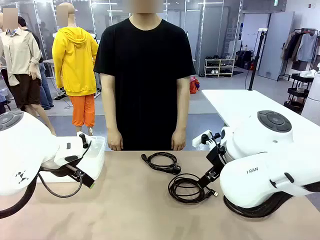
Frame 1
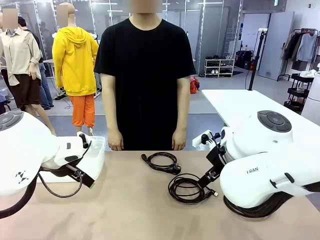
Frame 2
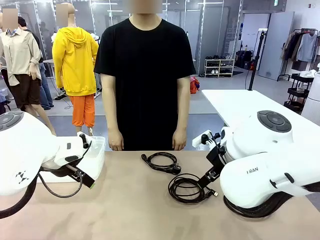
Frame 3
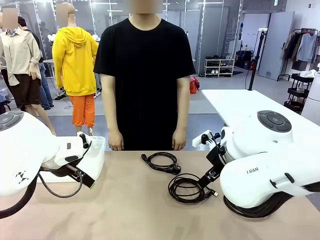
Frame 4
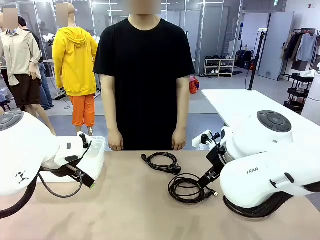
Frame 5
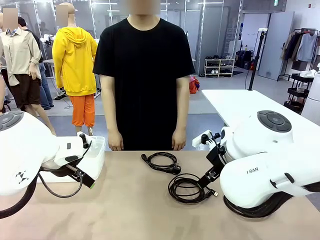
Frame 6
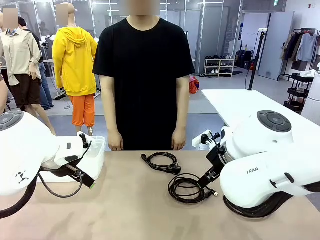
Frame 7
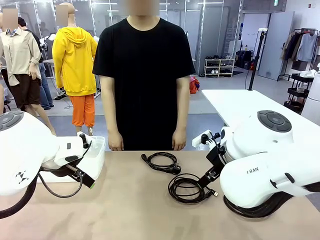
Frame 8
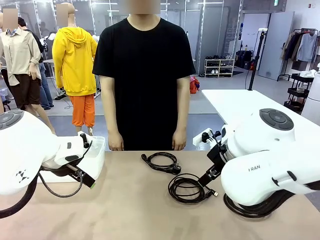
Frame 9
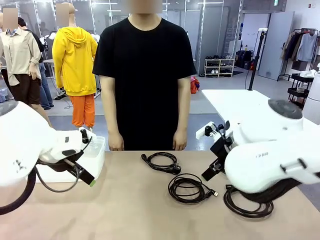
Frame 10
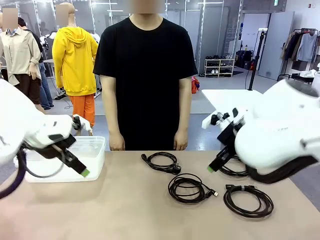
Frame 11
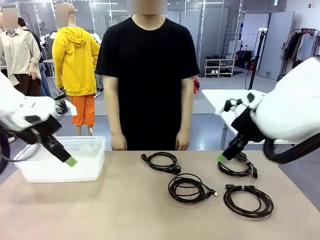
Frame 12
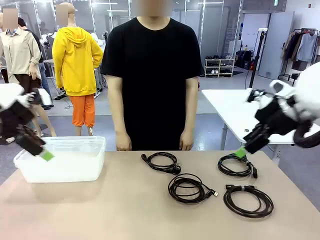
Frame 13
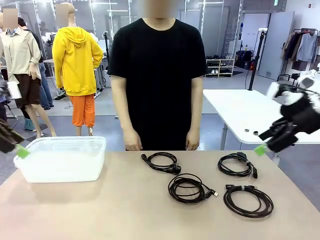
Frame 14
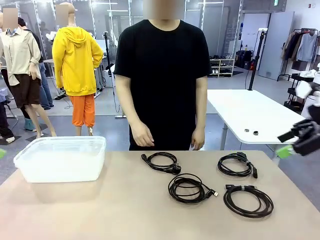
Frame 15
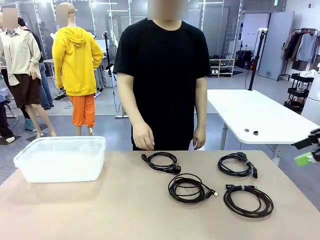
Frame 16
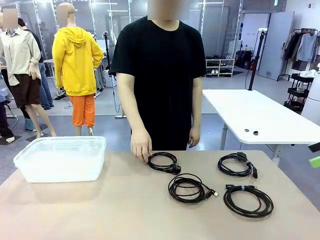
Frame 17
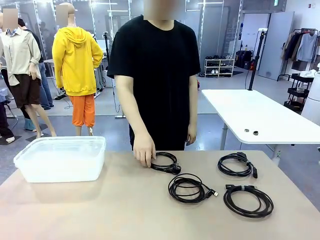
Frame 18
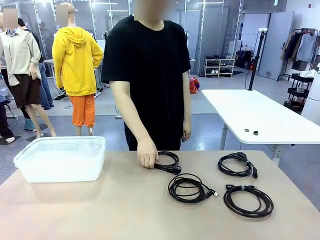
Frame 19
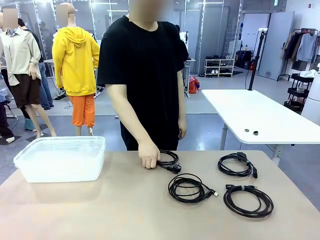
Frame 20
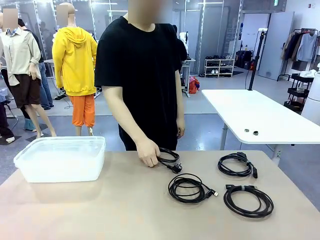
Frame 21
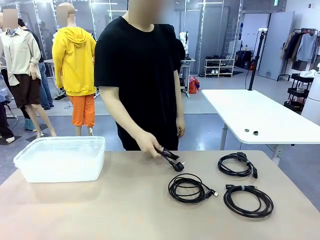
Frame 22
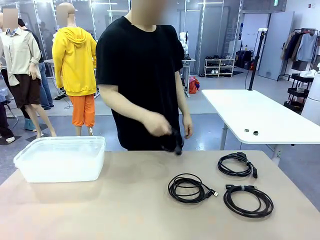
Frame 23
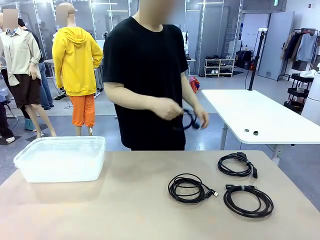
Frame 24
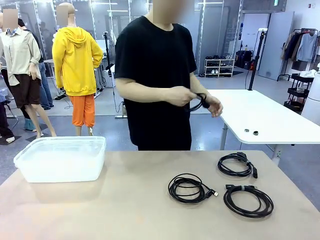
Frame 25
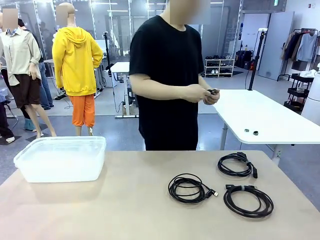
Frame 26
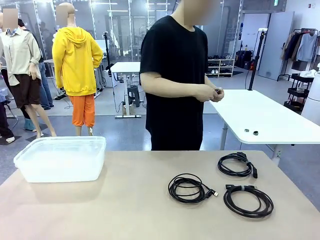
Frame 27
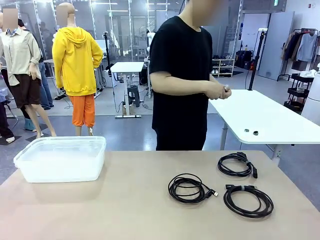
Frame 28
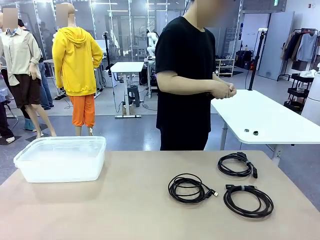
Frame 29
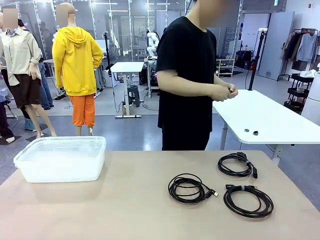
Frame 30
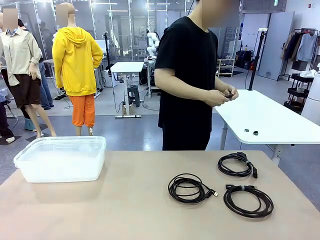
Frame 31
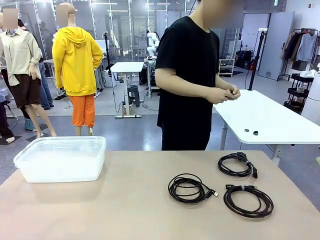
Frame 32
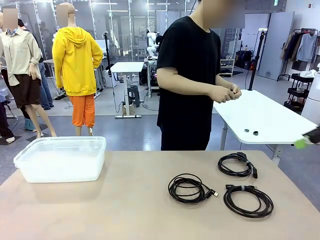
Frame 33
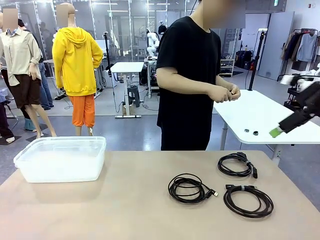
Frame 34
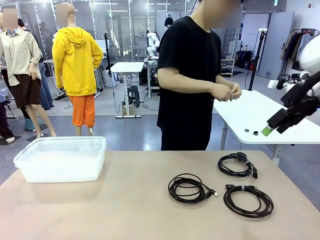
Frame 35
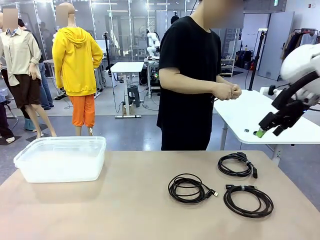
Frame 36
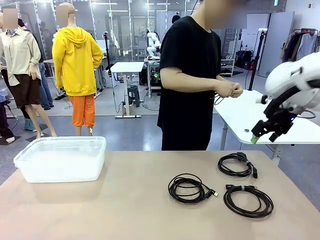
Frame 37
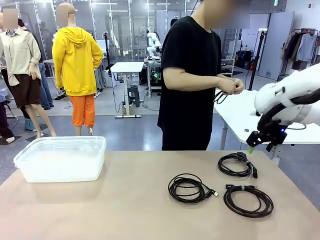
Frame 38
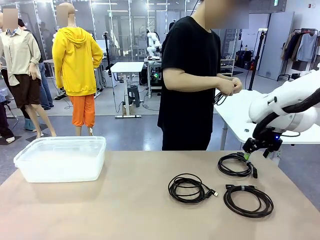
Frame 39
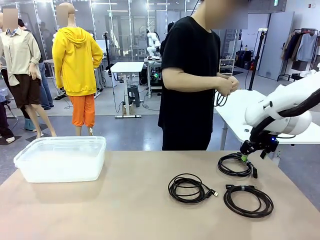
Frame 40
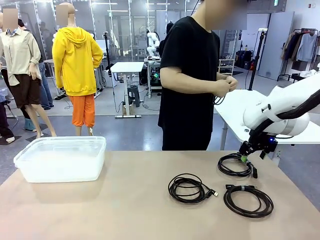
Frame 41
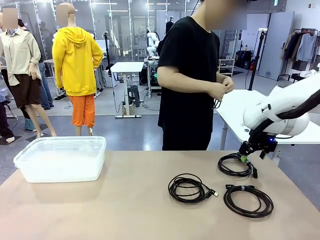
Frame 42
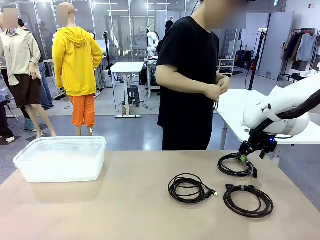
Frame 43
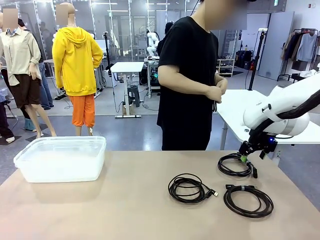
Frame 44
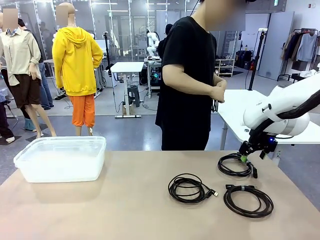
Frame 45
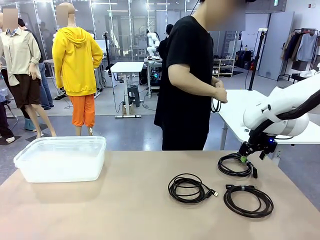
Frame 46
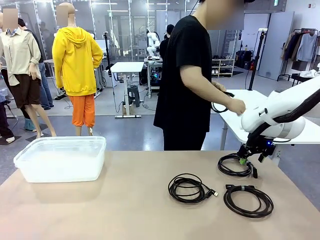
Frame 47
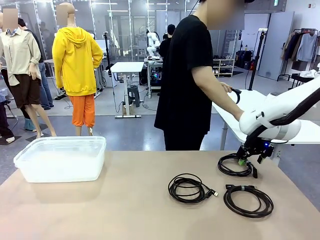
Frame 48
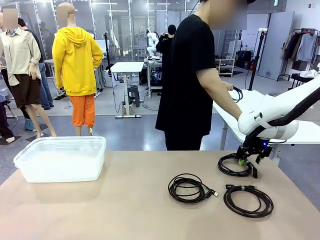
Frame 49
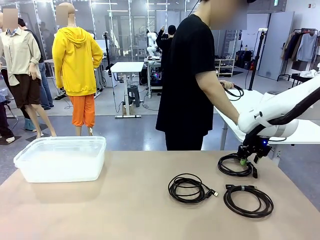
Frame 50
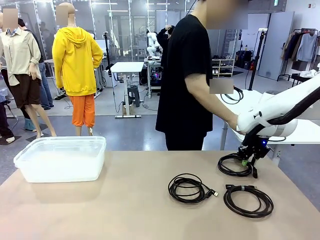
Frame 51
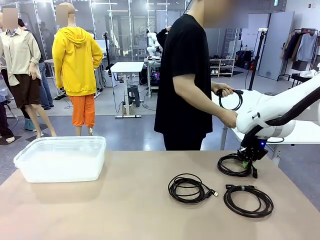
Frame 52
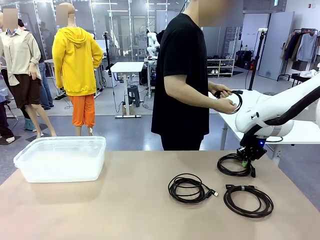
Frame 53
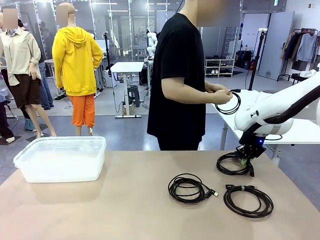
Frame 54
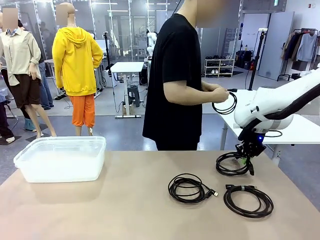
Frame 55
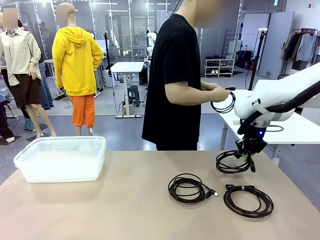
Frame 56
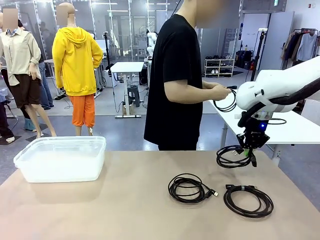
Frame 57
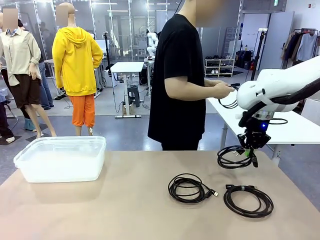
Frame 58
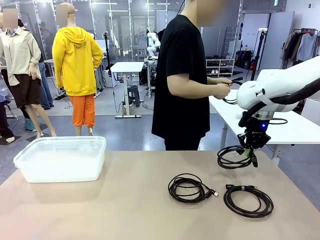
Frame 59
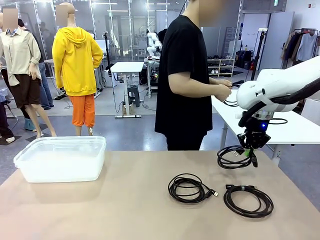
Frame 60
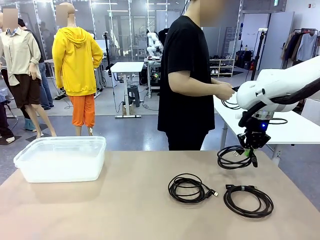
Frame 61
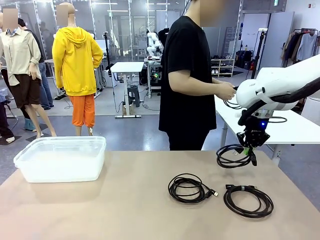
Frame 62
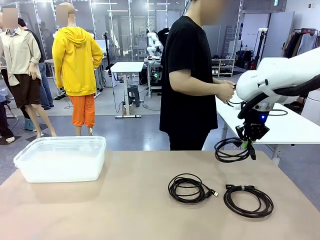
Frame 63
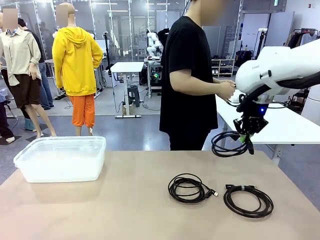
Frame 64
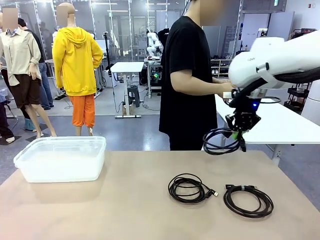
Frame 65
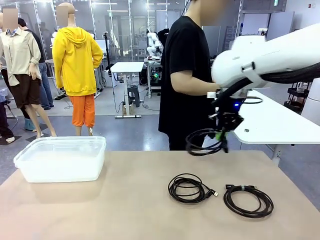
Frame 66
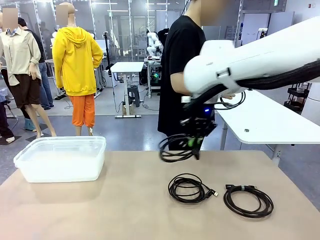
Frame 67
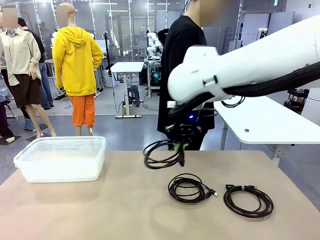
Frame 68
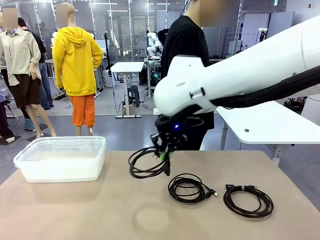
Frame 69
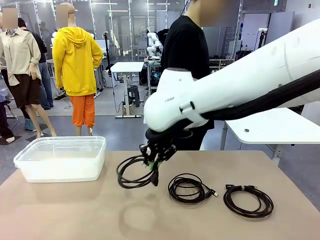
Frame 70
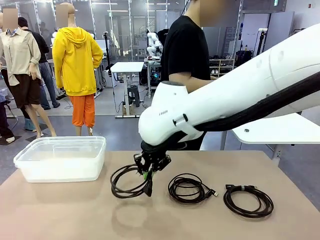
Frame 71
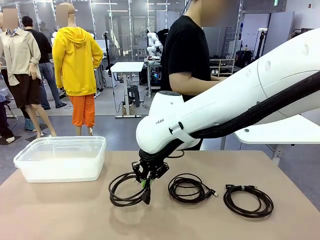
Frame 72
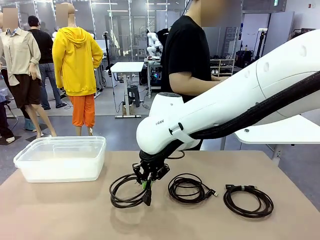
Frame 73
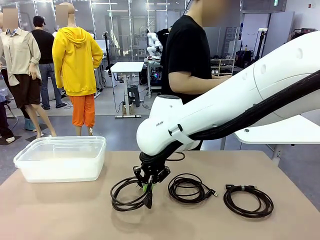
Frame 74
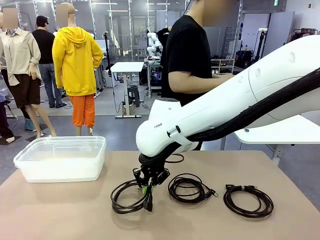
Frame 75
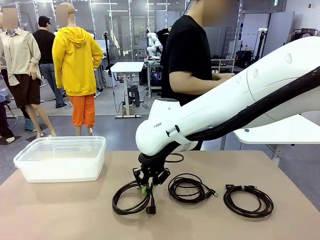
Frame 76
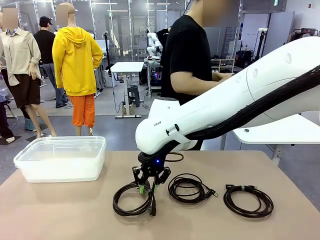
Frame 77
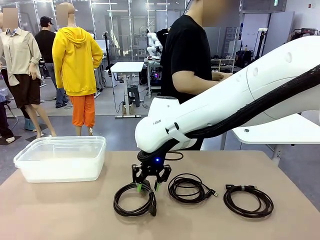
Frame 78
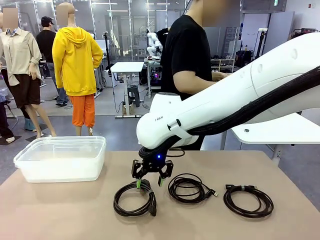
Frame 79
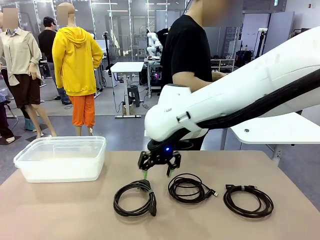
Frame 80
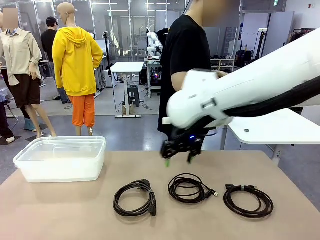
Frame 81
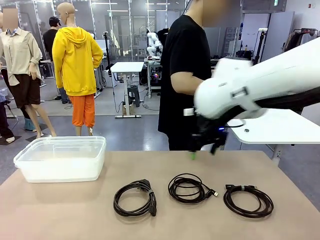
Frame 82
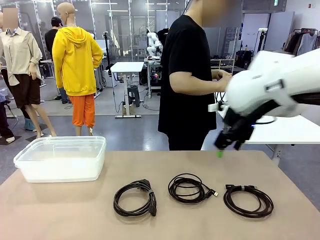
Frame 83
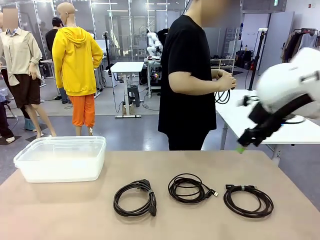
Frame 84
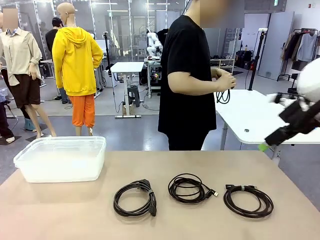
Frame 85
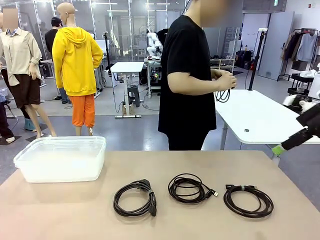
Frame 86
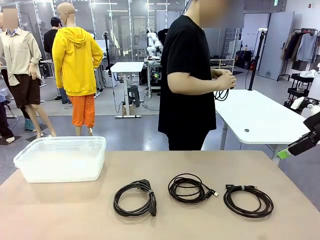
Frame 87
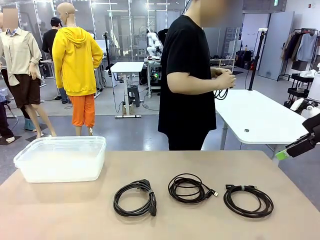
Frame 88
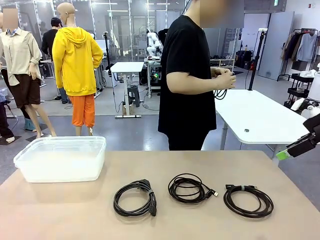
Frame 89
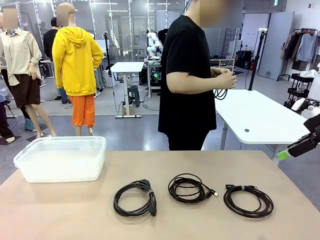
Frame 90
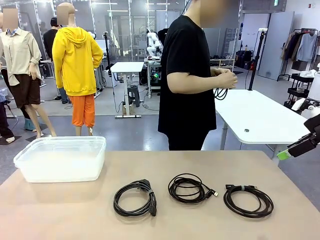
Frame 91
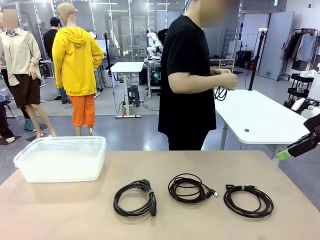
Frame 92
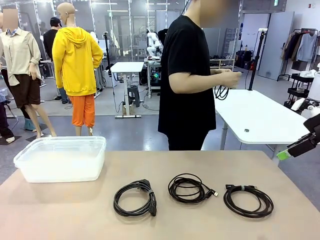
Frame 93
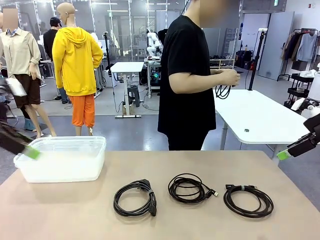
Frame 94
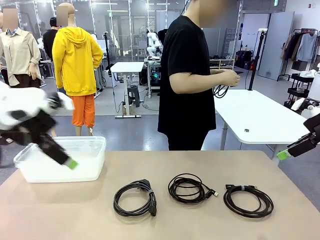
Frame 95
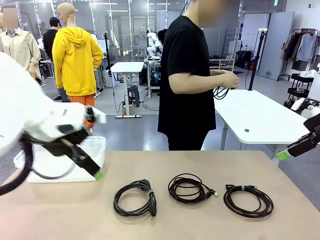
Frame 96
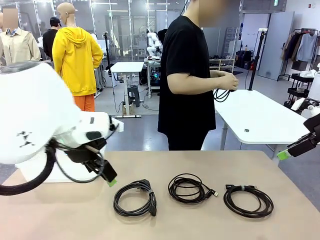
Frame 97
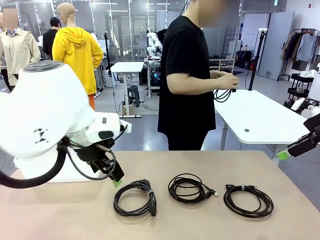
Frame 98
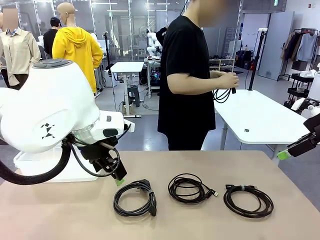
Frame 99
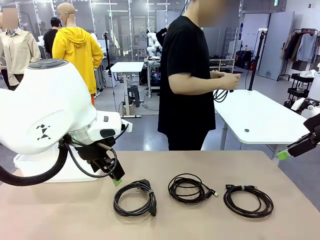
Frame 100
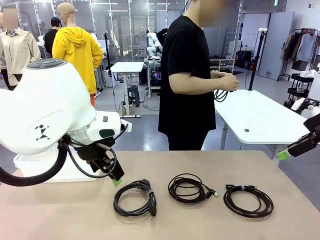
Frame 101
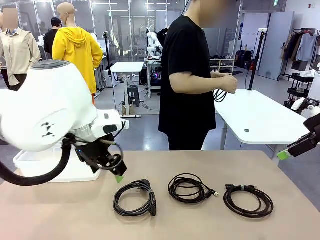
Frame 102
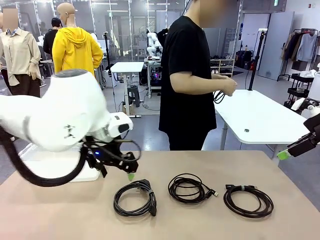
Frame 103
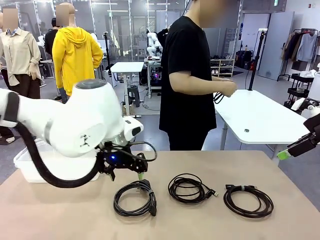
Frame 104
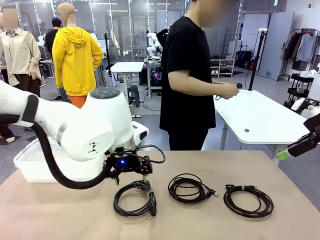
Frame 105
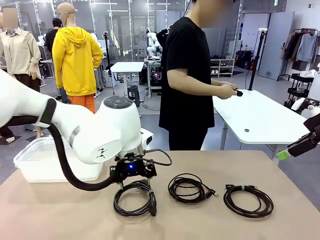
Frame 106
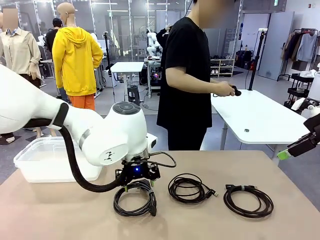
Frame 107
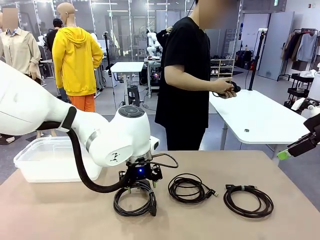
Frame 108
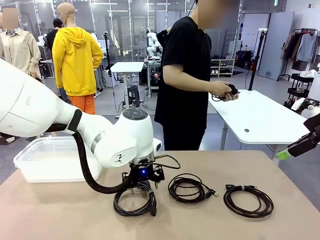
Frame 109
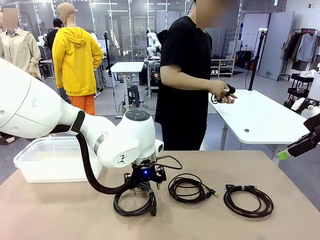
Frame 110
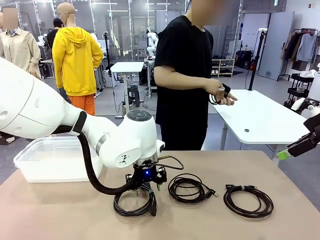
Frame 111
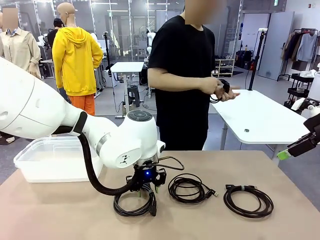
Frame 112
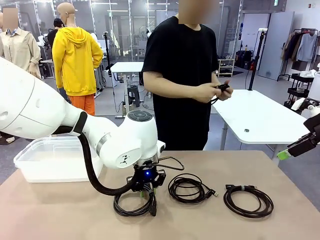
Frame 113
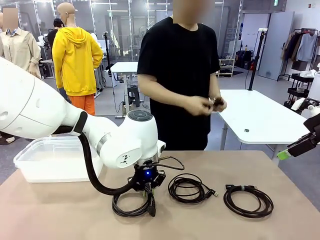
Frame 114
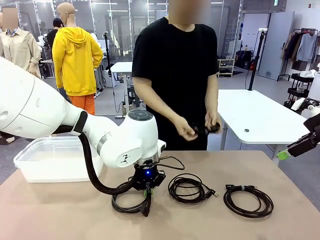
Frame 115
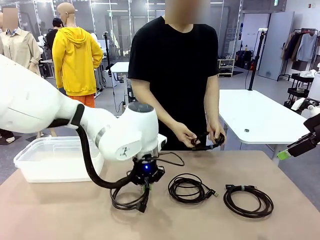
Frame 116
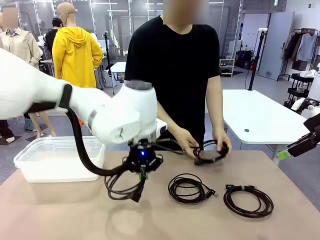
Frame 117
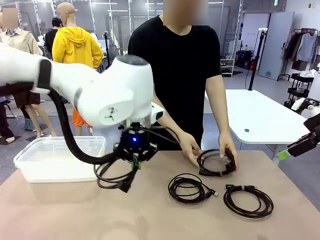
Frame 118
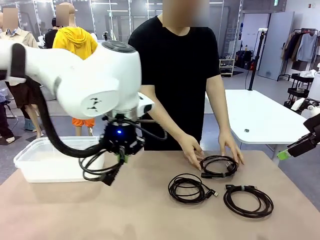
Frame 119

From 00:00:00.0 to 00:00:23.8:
Task: Organize and store the cables.
Robot: Place the Power Cable into the Organizing box.
Person: Tie one Power Cable with a Reusable Cable Tie.
